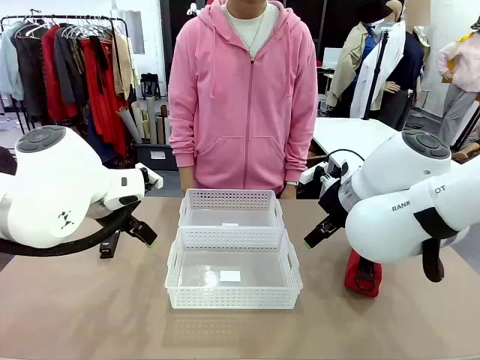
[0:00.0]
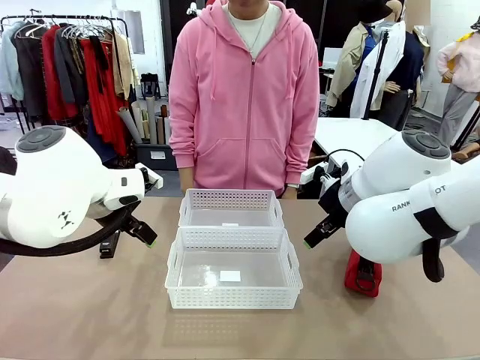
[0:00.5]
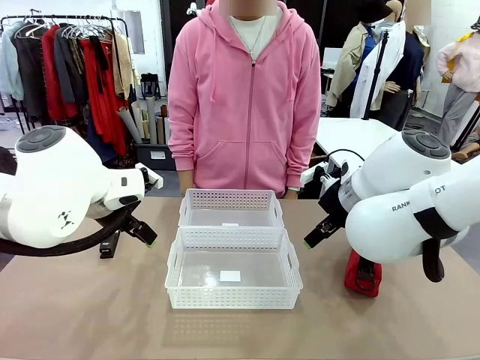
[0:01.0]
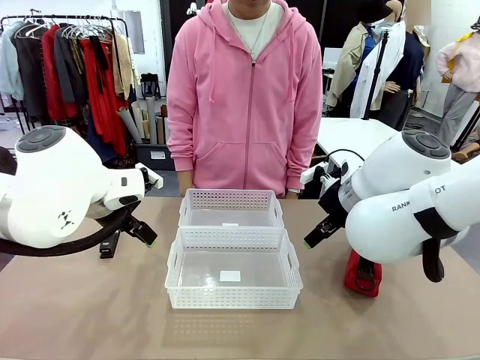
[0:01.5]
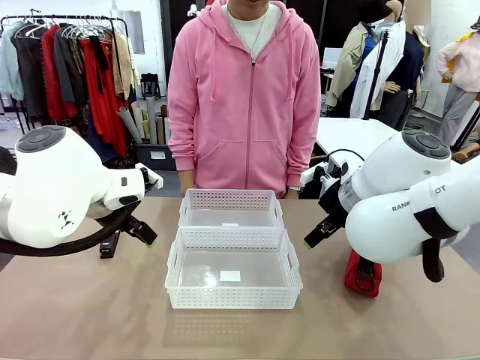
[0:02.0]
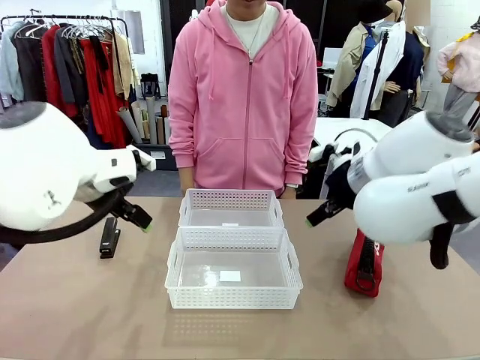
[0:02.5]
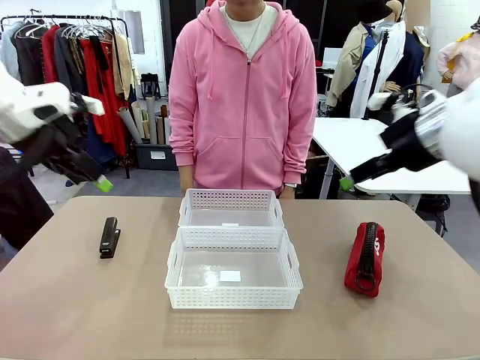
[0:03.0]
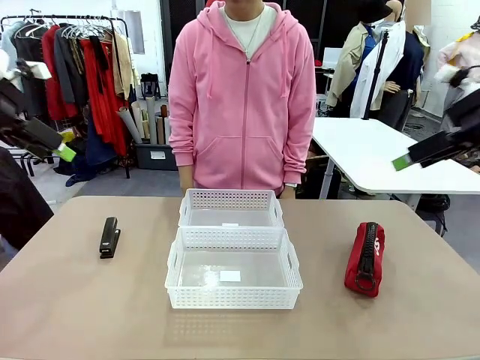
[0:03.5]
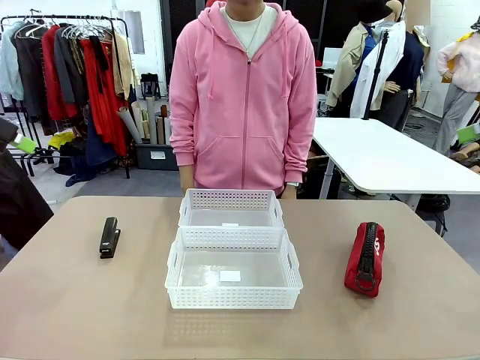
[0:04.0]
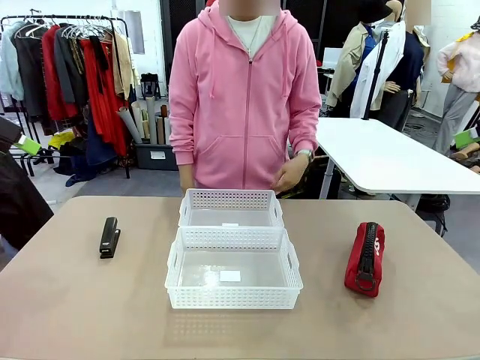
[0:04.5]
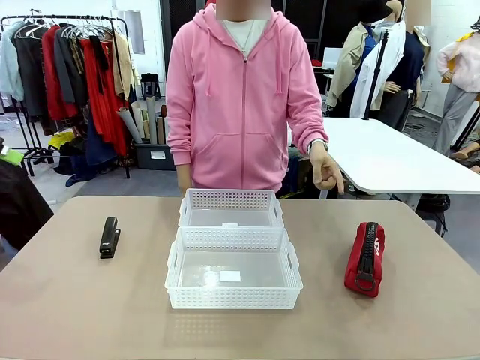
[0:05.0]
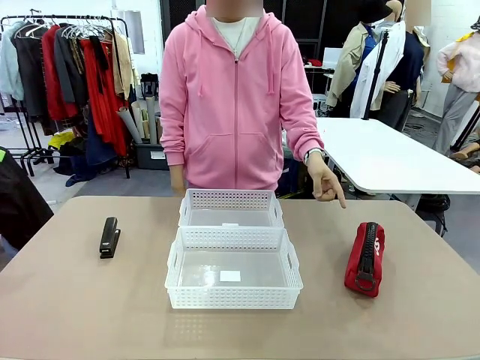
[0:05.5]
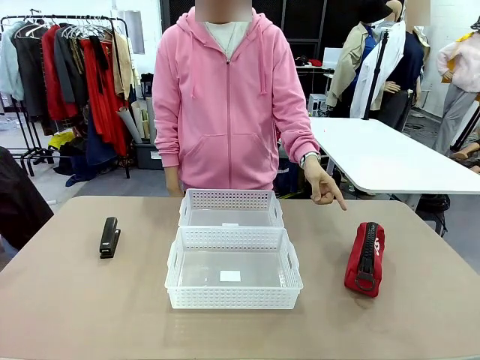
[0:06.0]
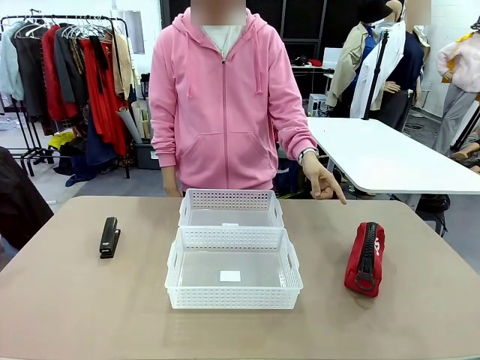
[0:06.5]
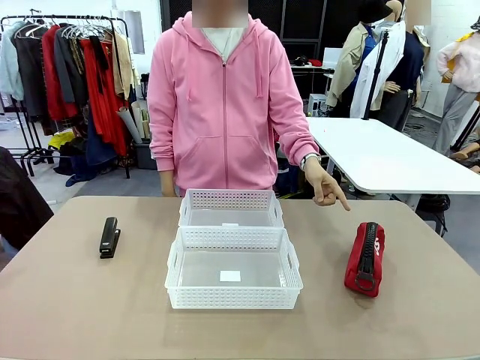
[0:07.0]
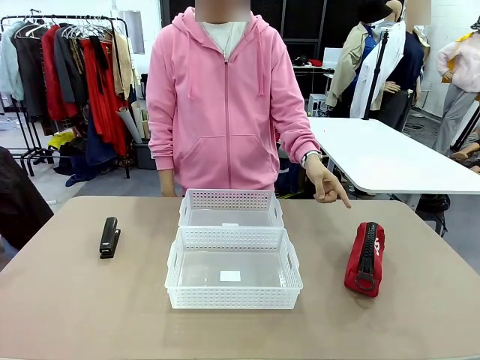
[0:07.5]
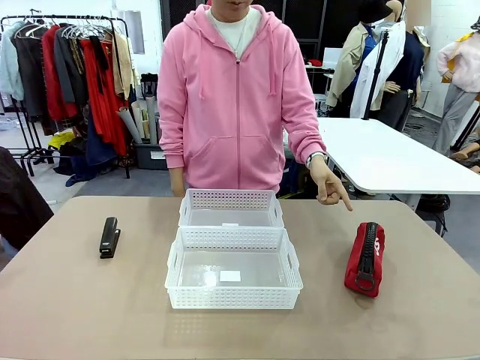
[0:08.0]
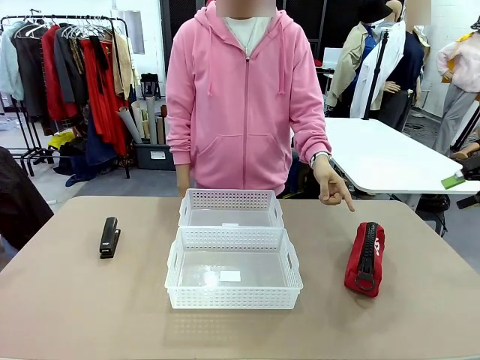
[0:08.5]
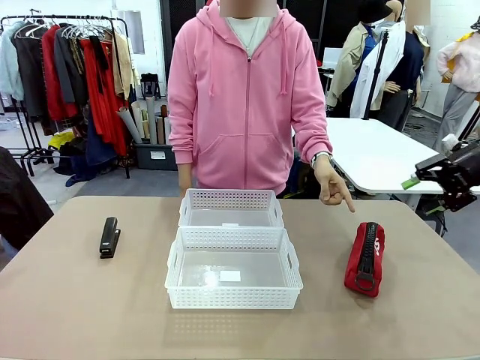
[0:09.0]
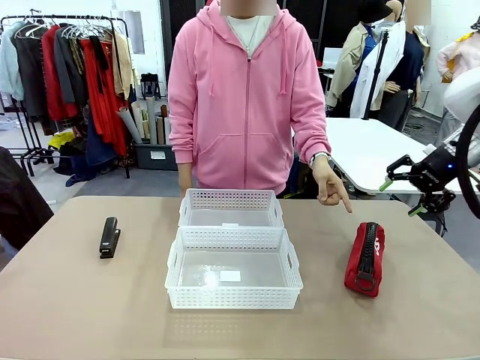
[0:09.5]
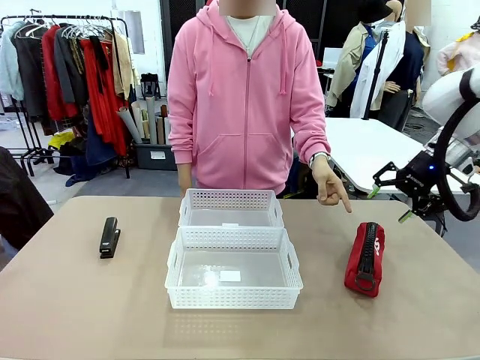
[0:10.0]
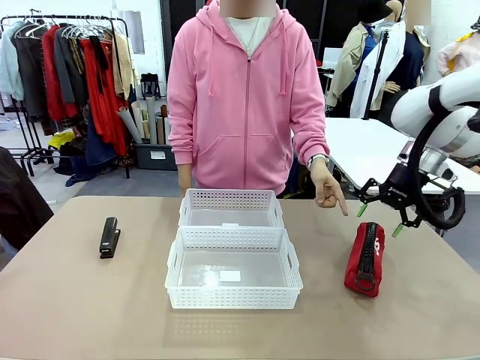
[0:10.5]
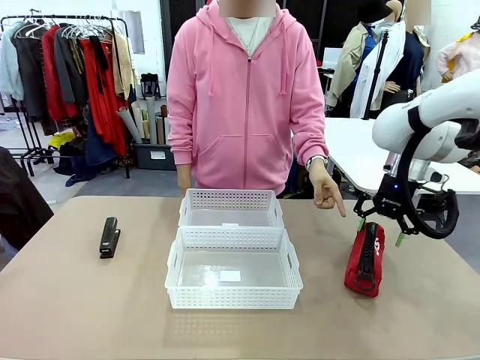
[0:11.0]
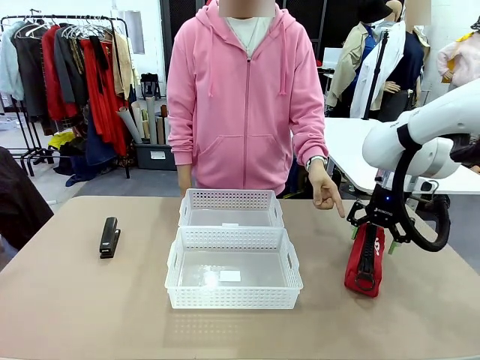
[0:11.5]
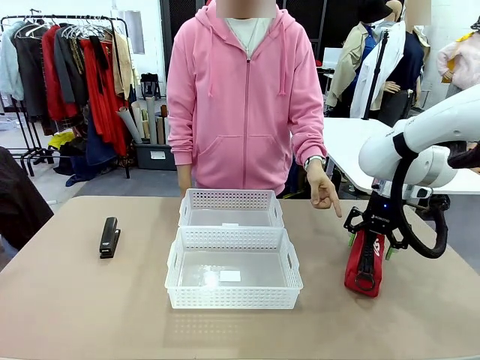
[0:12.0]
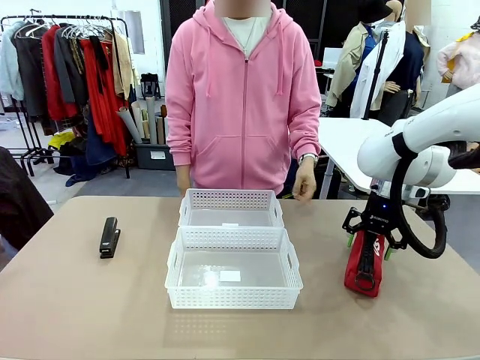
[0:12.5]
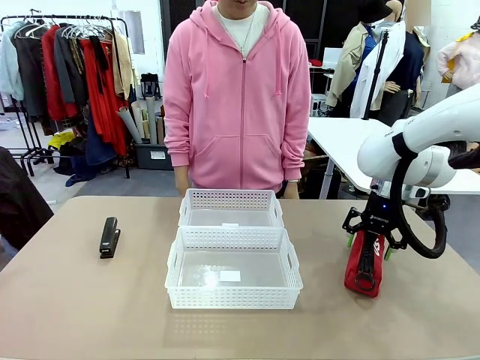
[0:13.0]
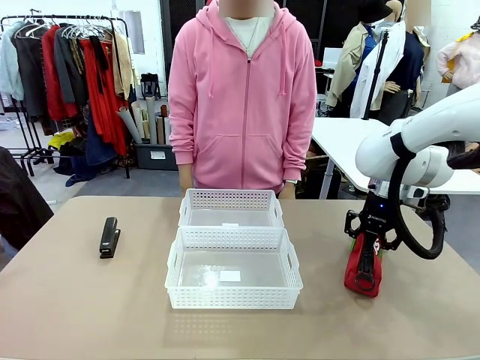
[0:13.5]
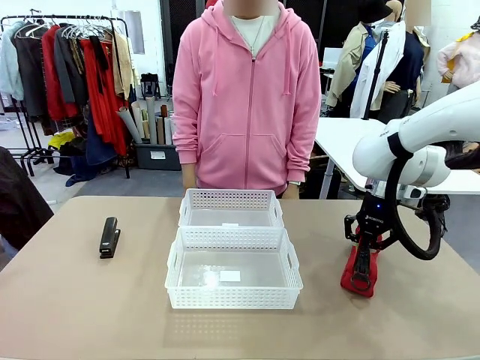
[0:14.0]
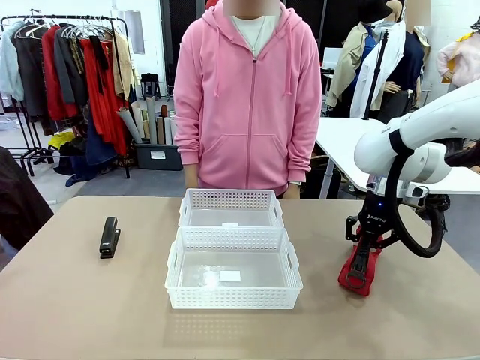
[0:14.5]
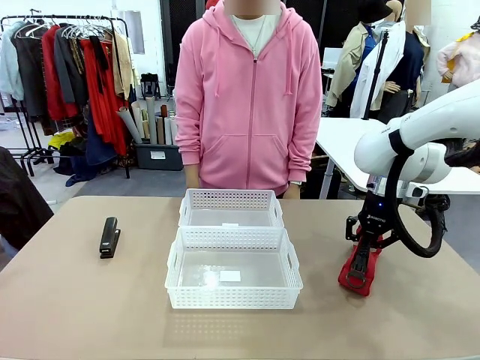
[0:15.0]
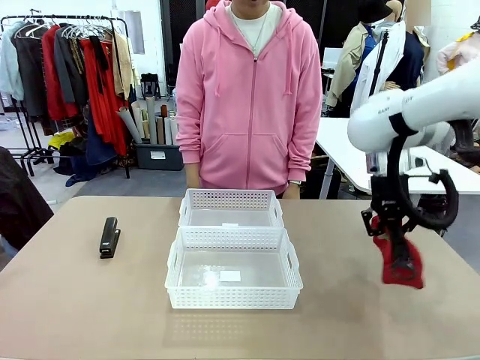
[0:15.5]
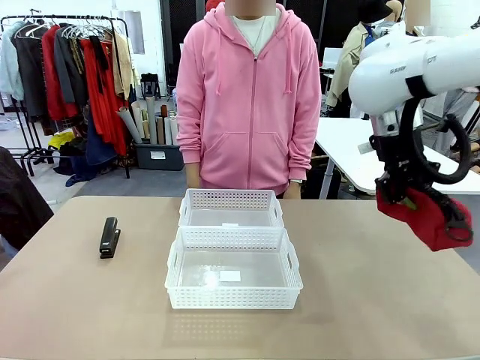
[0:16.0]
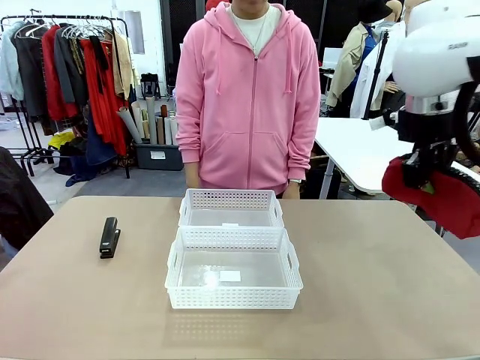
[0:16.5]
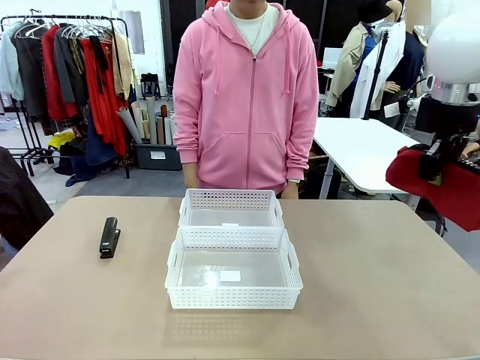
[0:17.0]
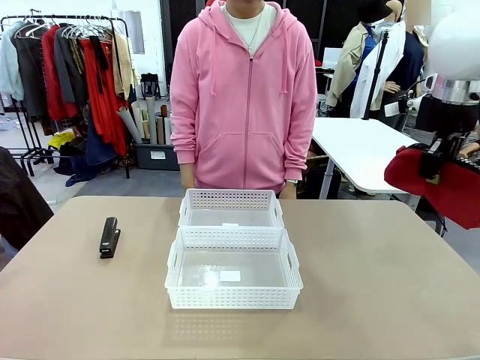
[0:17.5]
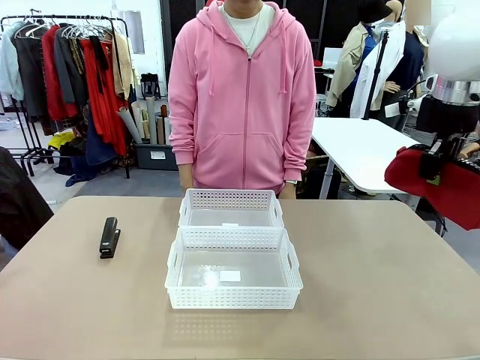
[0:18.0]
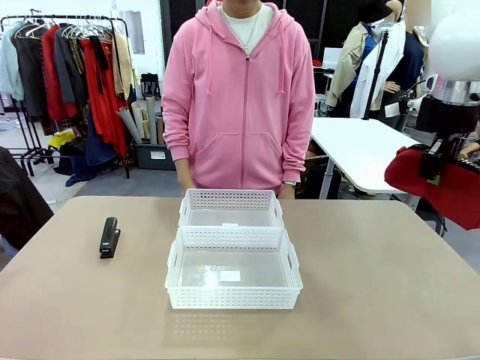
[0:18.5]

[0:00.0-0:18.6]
Task: Distribute items into two baskets.
Robot: Pick up the Pencil pouch that the person points to.
Person: Points to the pencil case. Points between the two organizing baskets and instructs the robot to move the pencil case.

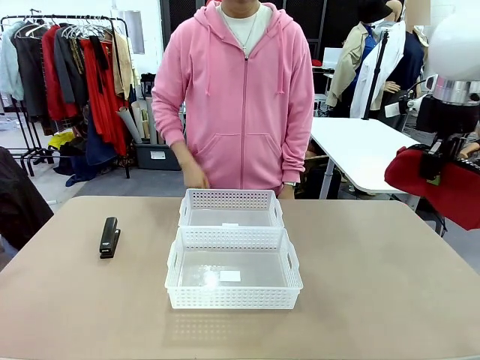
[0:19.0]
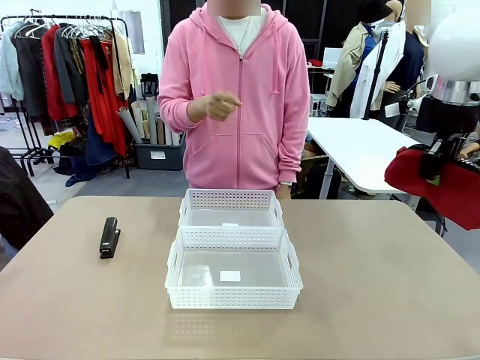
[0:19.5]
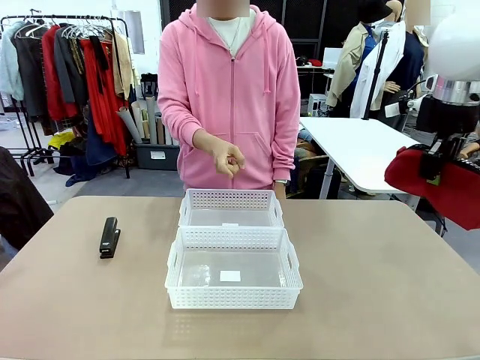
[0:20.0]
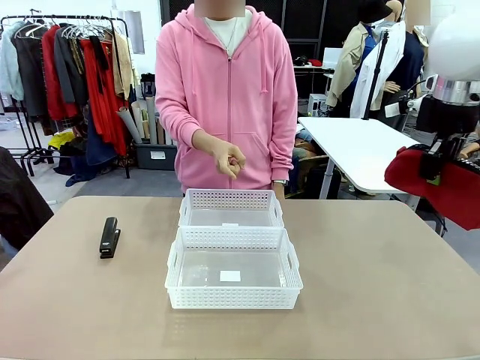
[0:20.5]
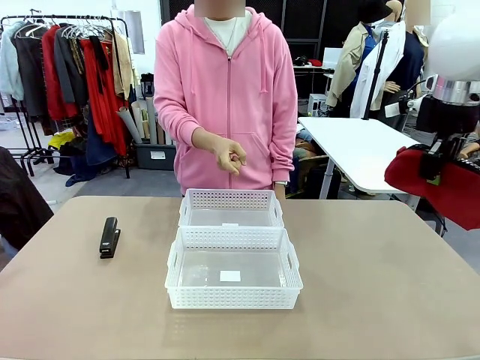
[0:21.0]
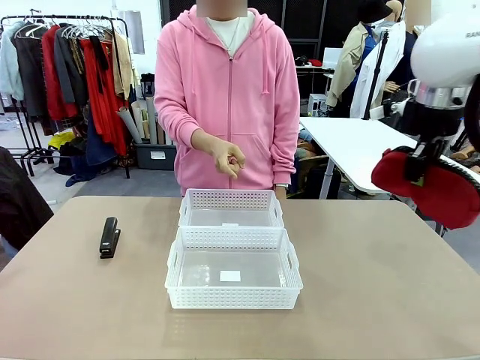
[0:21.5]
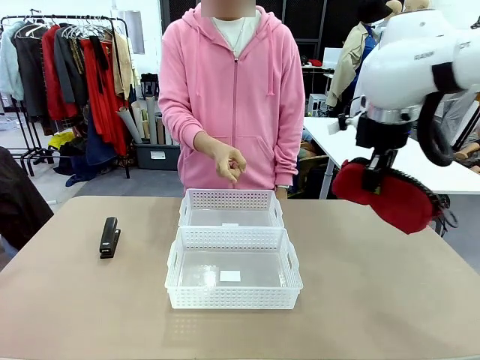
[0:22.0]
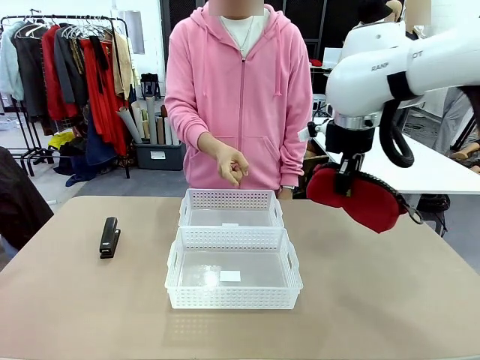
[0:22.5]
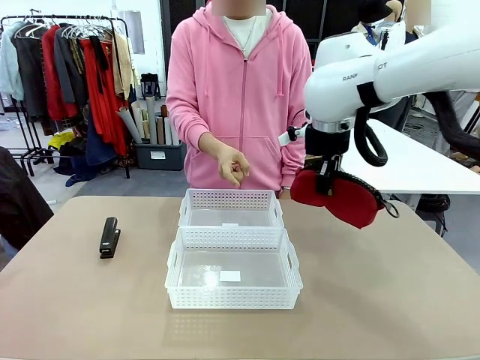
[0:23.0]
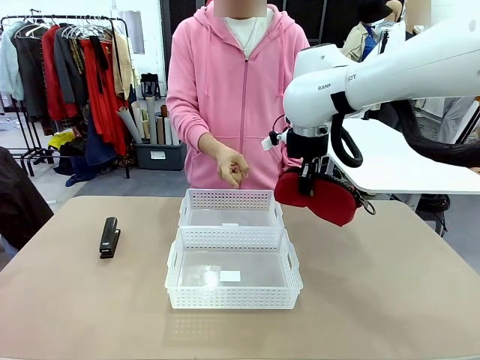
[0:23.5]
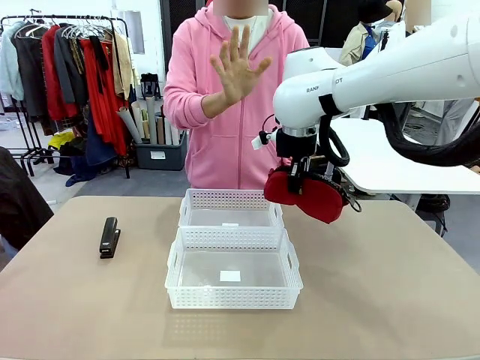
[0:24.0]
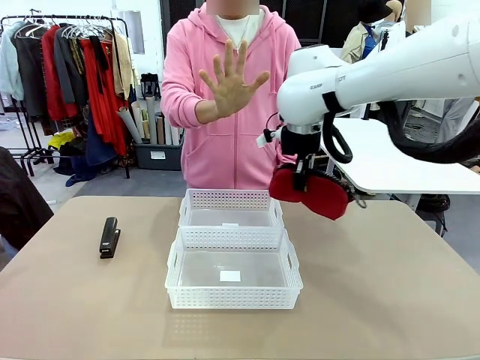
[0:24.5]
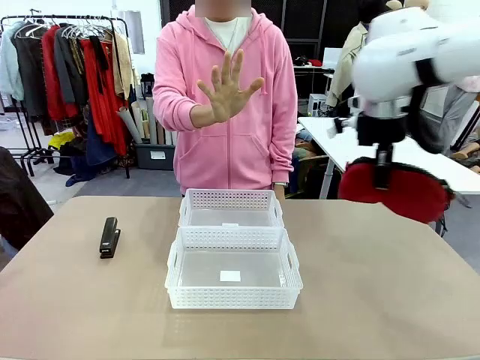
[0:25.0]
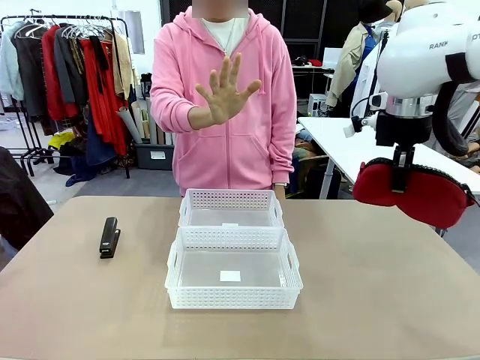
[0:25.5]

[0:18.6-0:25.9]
Robot: Move the picked Pencil pouch towards the Organizing basket indicated by the person, stopping as directed.
Person: Sends a stop gesture before the robot places the pencil case into the basket.
